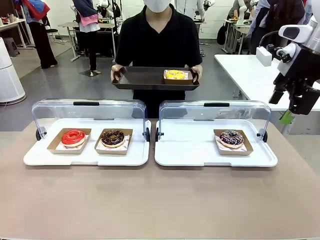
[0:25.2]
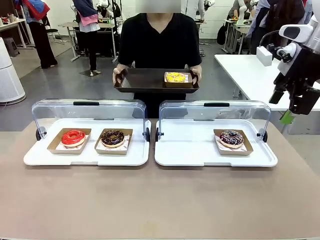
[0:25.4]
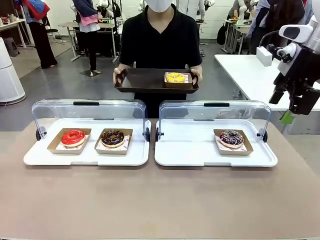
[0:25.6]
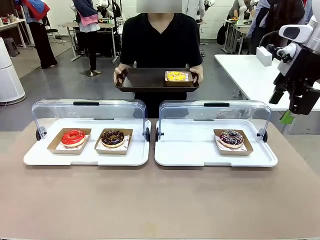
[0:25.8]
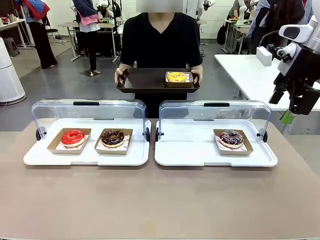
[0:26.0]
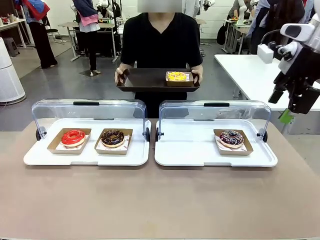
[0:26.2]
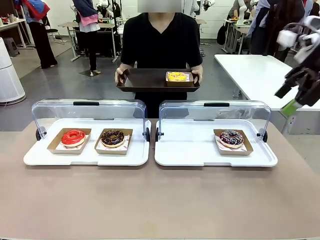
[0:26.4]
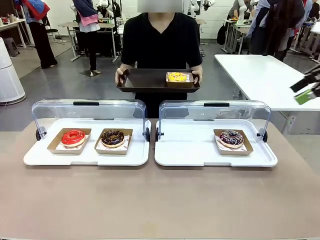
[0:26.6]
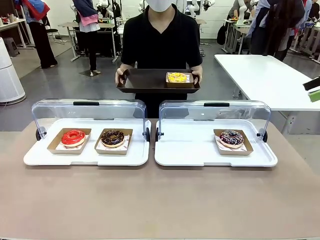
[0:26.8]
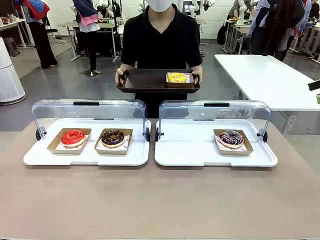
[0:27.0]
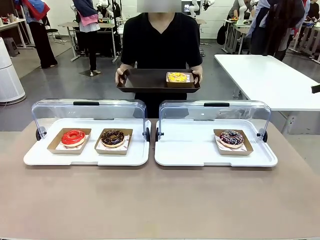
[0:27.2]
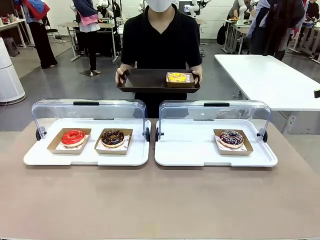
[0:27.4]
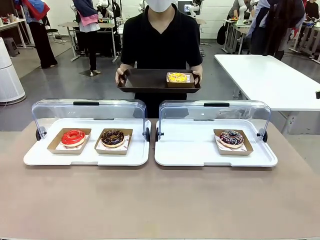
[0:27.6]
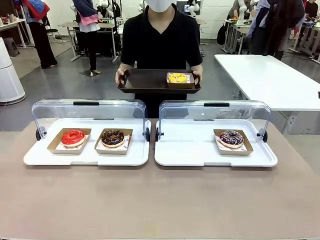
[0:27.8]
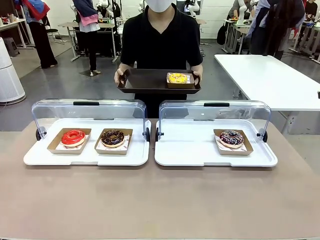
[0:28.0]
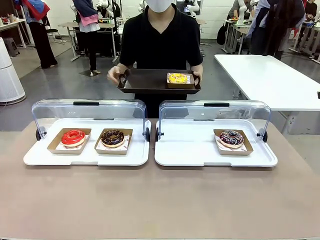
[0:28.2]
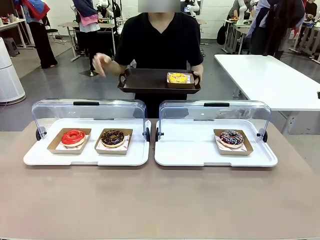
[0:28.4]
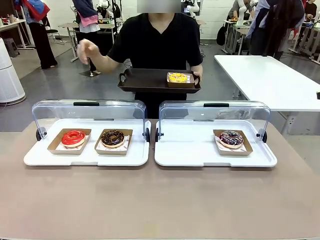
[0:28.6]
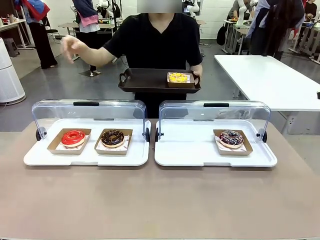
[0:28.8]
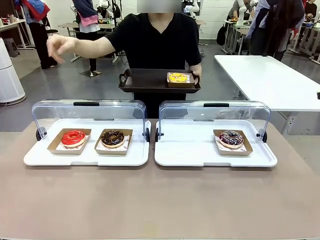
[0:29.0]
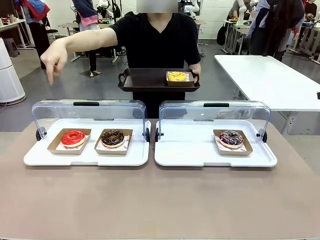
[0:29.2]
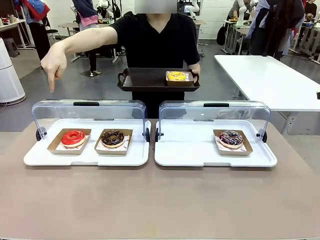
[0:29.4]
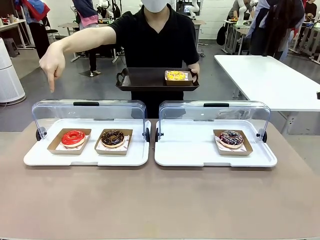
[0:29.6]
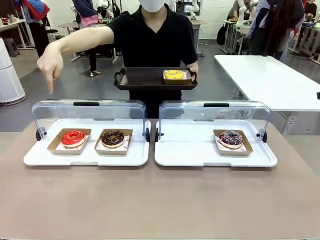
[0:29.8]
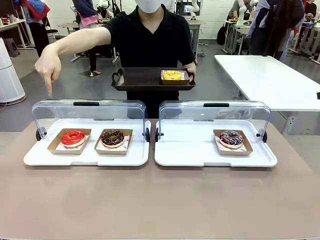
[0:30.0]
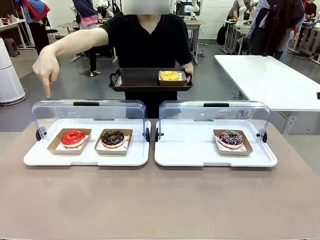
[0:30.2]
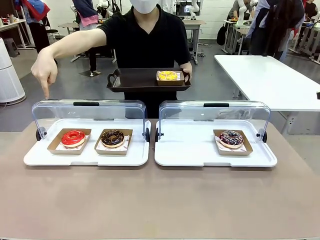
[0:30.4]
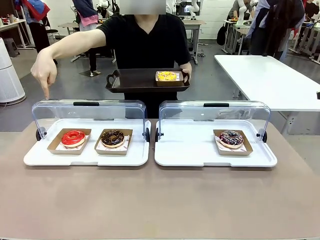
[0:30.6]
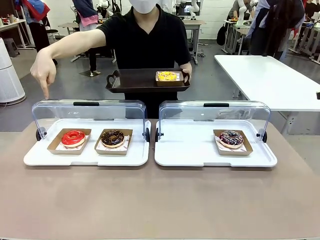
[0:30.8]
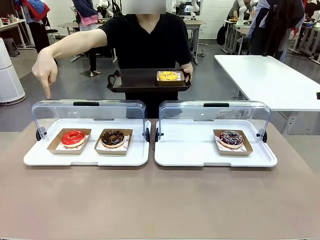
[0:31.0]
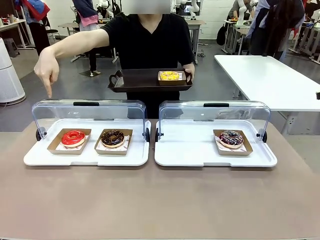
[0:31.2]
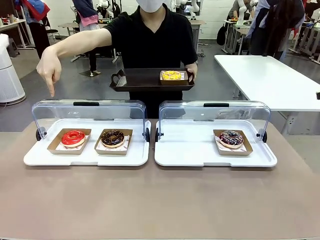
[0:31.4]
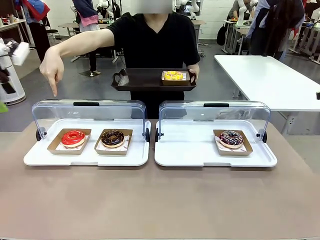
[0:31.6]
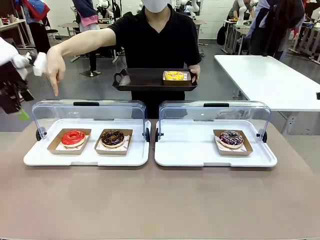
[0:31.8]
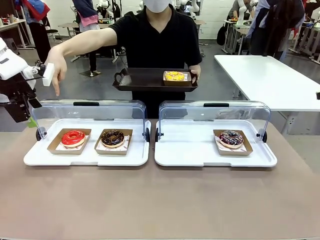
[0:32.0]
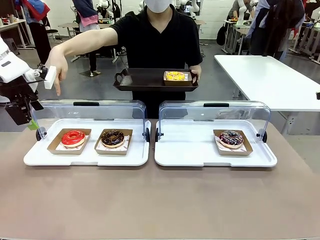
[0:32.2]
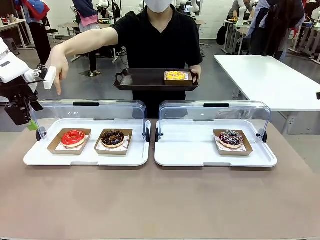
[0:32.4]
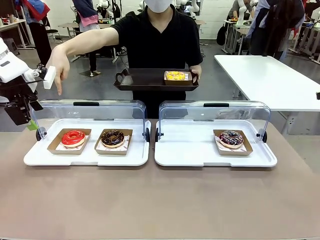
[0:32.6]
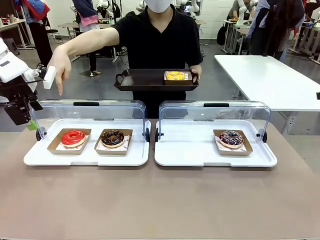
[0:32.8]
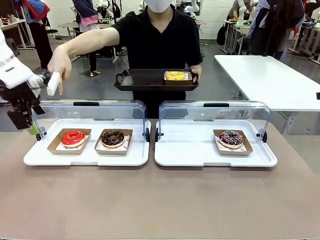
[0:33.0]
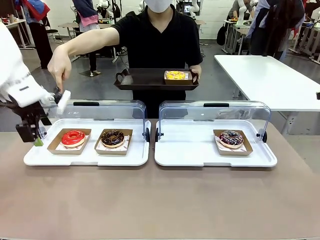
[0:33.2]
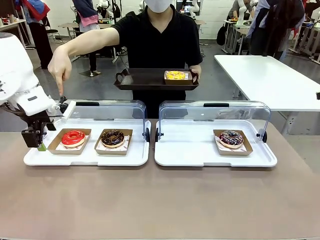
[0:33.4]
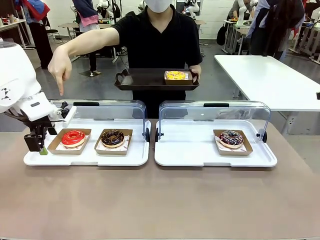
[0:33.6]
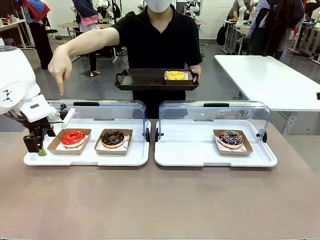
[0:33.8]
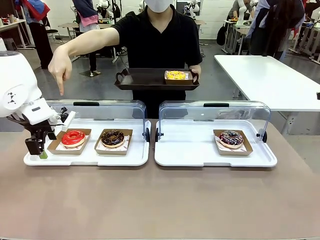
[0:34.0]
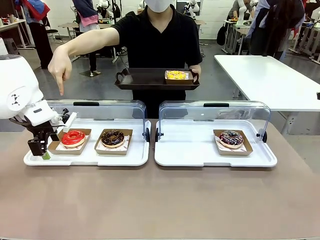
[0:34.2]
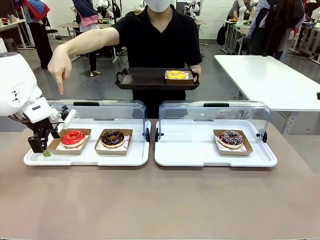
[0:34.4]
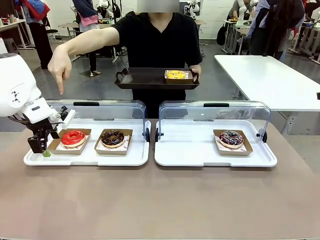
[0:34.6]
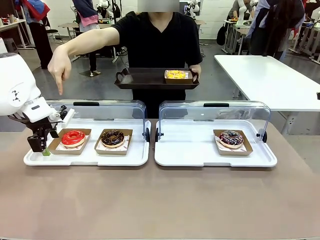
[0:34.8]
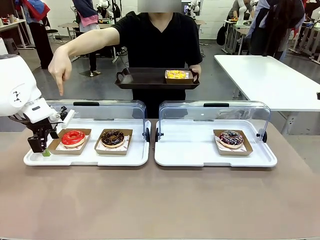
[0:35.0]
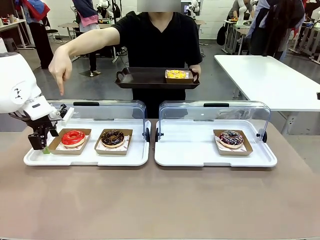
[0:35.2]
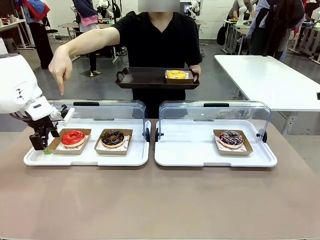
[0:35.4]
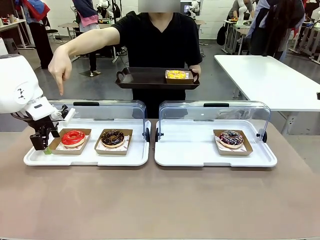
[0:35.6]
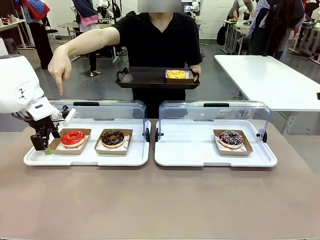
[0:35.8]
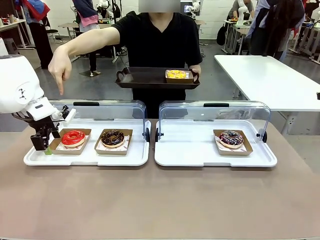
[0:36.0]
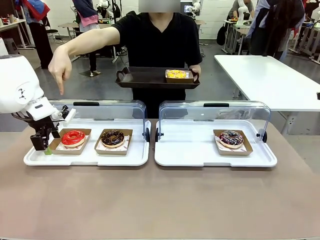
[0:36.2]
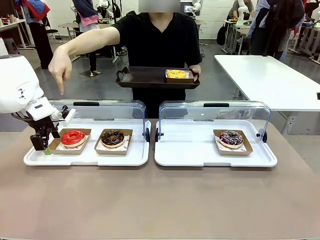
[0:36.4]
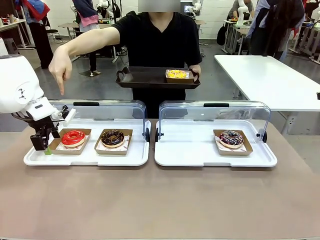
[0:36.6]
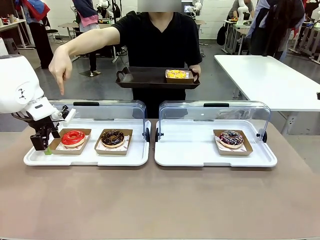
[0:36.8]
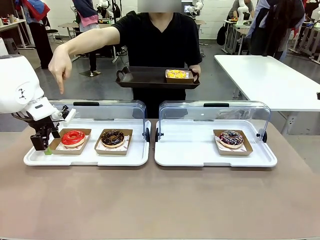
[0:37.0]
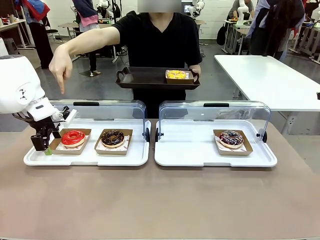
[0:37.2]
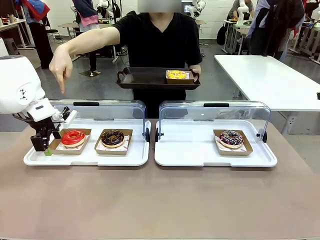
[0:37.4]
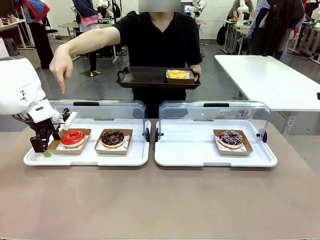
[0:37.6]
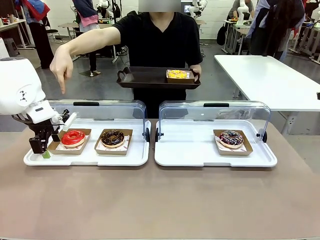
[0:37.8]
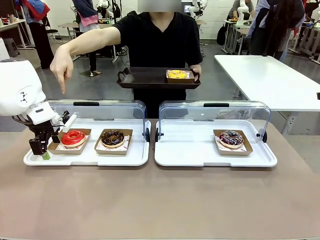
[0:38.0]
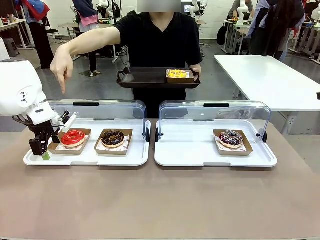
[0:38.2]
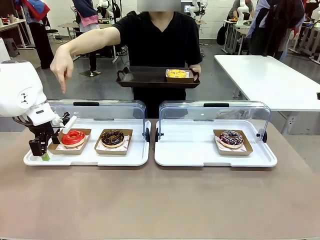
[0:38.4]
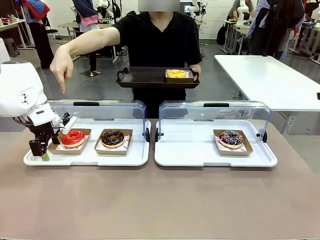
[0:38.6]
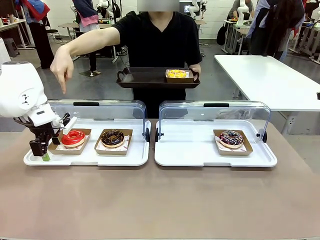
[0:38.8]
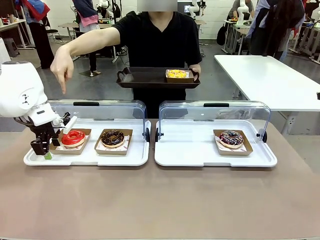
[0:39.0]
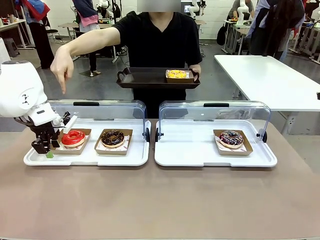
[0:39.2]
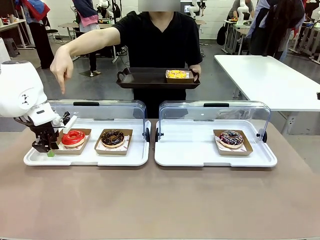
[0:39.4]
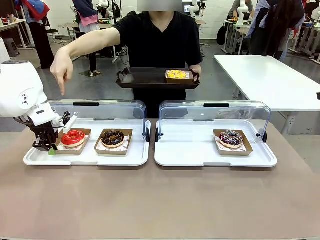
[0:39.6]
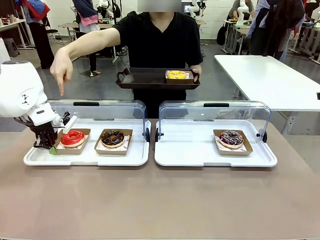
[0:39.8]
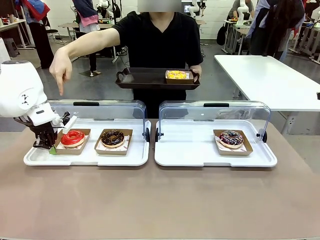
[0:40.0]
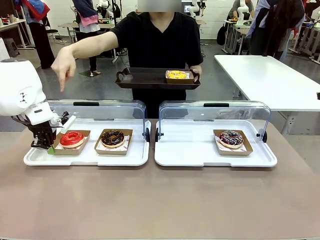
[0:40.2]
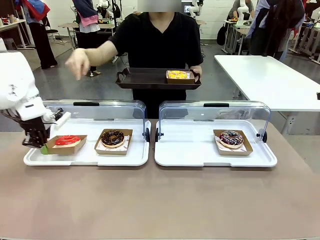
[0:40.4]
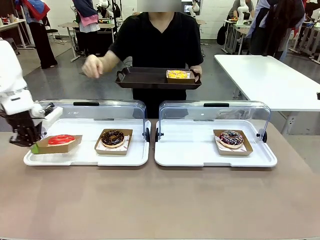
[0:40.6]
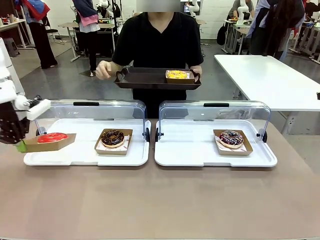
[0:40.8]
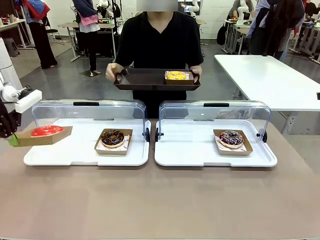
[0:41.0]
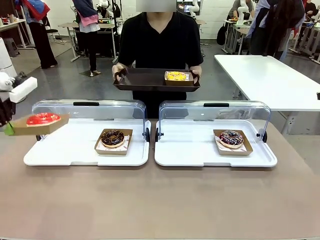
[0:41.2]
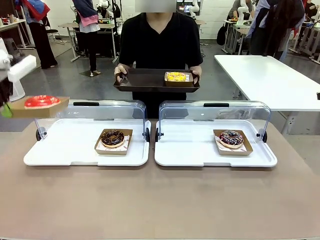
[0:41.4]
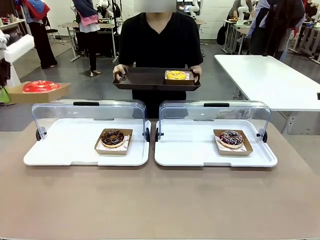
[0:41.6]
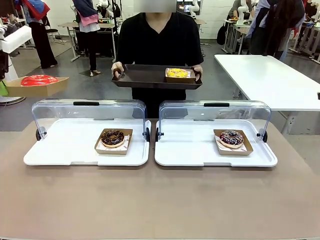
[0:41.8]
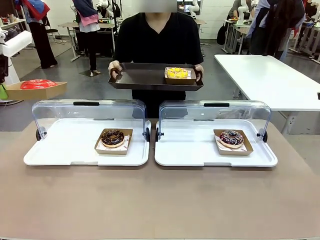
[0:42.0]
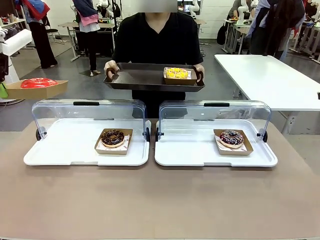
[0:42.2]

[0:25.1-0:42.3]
Task: Provide the desired donut to the person.
Robot: Pick up and lift the Paper togo box containing the Donut pointed at by the person.
Person: Point to one donut. Lift the tray onto the Roll-Top Bakery Case.
